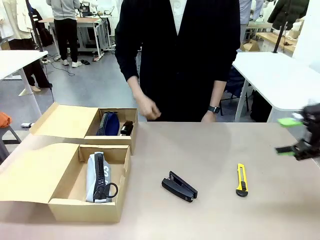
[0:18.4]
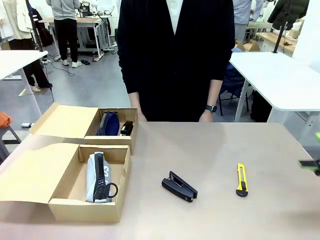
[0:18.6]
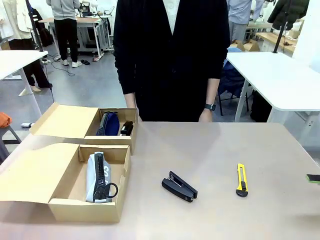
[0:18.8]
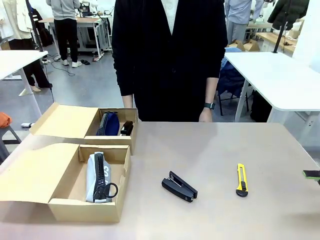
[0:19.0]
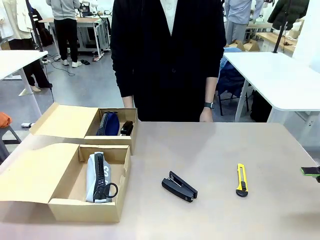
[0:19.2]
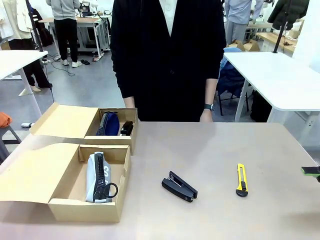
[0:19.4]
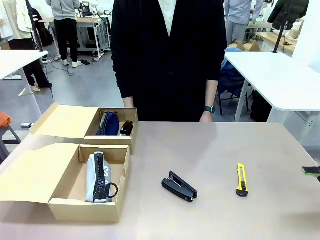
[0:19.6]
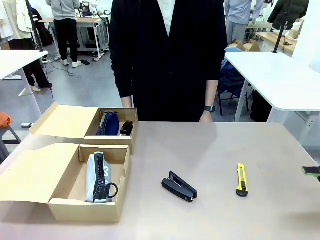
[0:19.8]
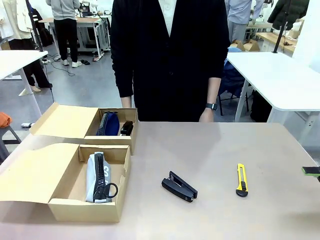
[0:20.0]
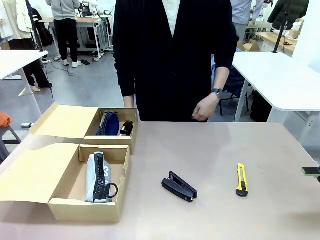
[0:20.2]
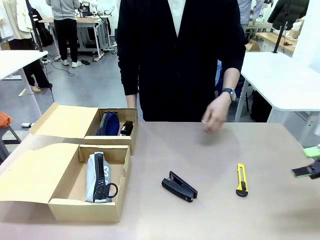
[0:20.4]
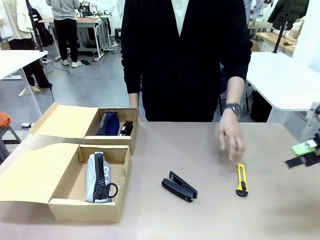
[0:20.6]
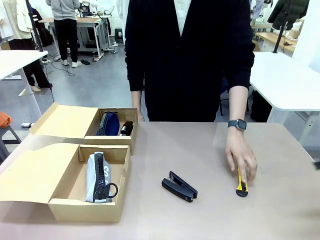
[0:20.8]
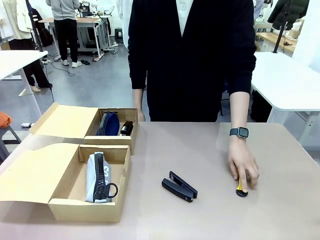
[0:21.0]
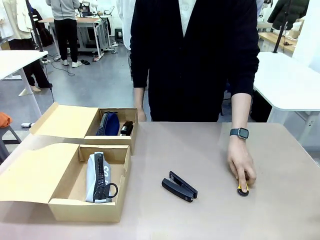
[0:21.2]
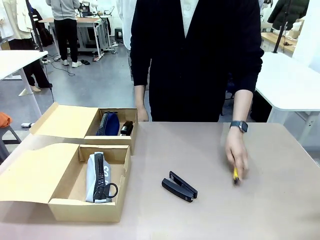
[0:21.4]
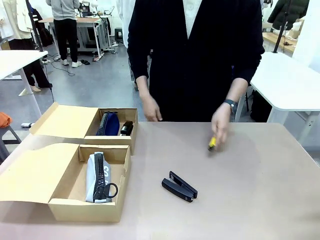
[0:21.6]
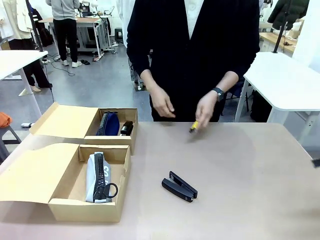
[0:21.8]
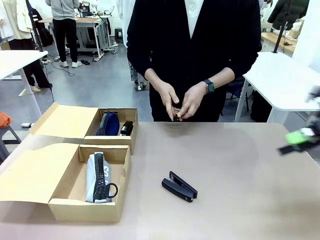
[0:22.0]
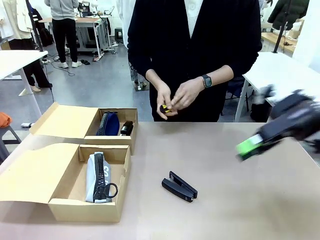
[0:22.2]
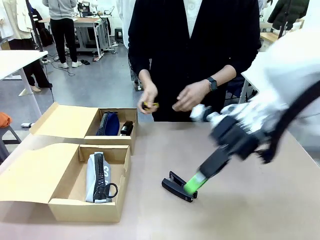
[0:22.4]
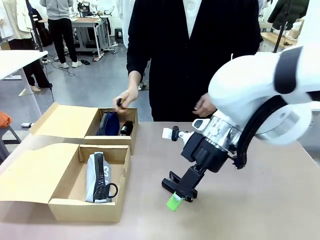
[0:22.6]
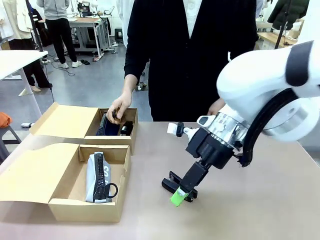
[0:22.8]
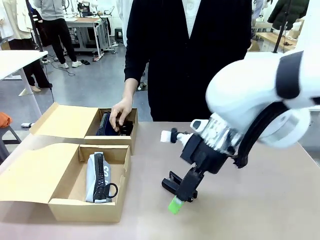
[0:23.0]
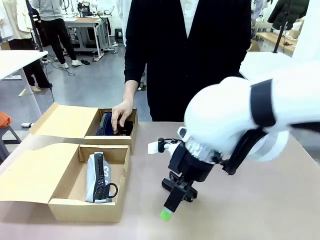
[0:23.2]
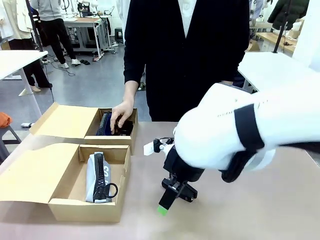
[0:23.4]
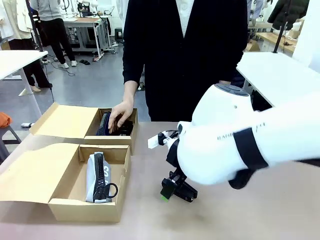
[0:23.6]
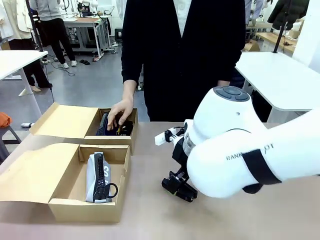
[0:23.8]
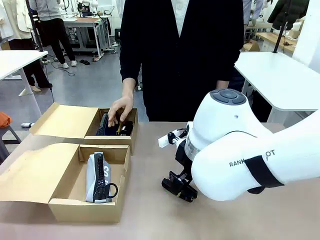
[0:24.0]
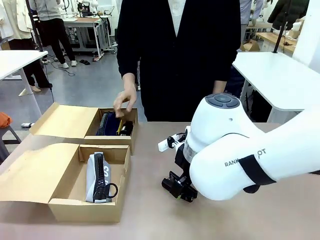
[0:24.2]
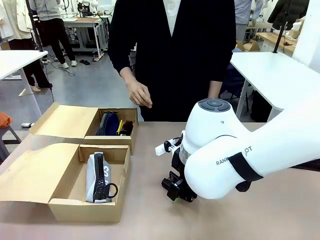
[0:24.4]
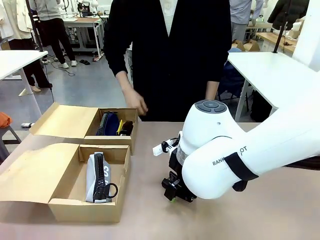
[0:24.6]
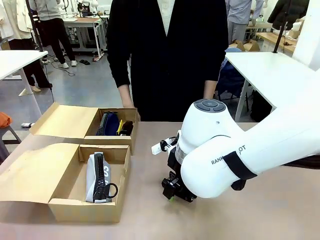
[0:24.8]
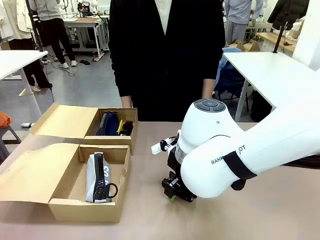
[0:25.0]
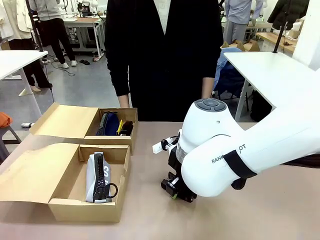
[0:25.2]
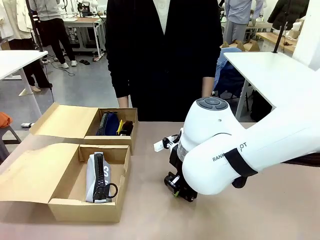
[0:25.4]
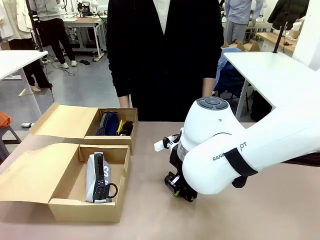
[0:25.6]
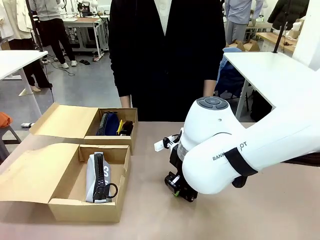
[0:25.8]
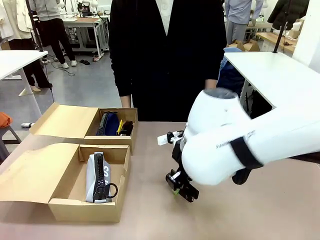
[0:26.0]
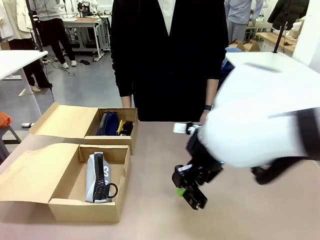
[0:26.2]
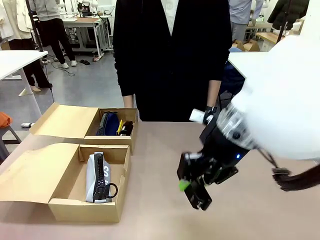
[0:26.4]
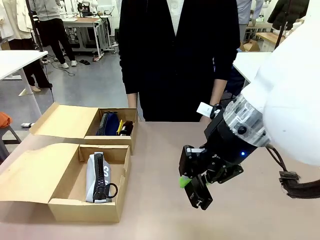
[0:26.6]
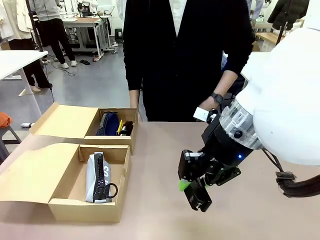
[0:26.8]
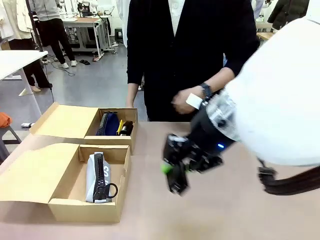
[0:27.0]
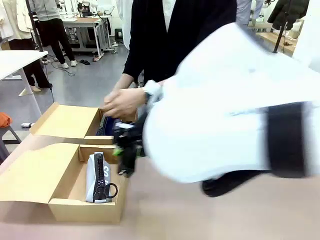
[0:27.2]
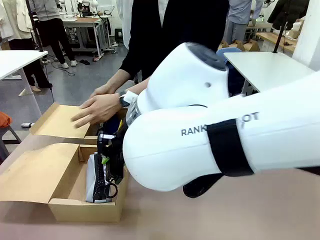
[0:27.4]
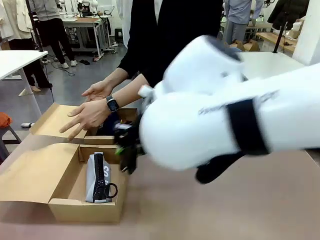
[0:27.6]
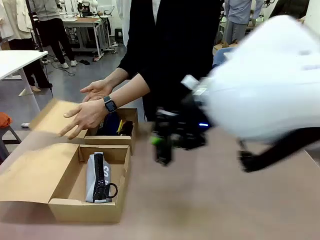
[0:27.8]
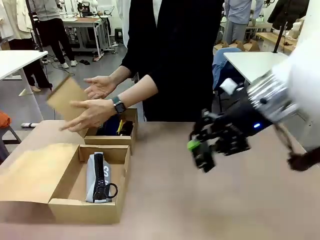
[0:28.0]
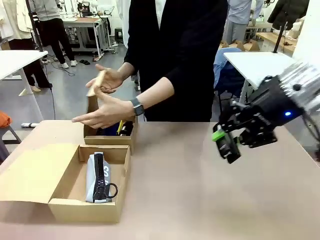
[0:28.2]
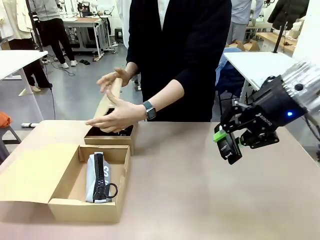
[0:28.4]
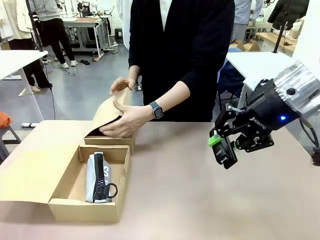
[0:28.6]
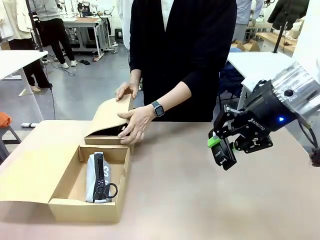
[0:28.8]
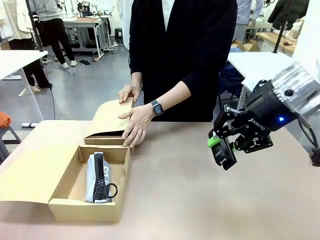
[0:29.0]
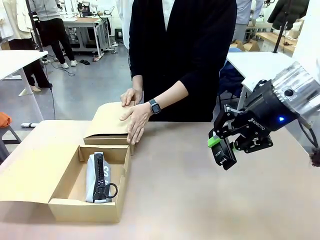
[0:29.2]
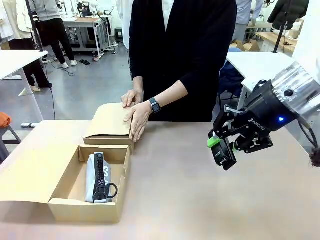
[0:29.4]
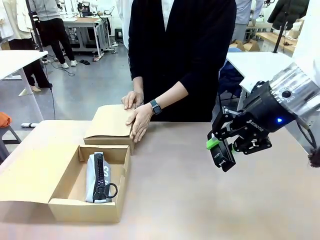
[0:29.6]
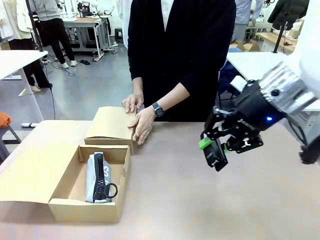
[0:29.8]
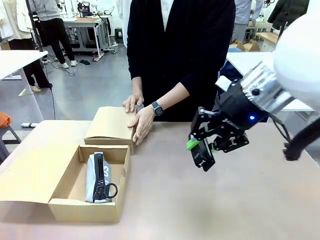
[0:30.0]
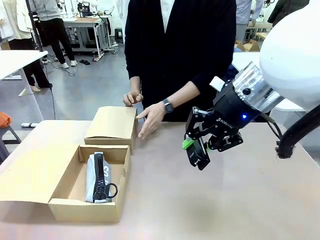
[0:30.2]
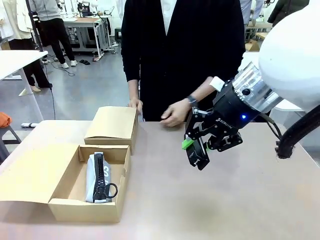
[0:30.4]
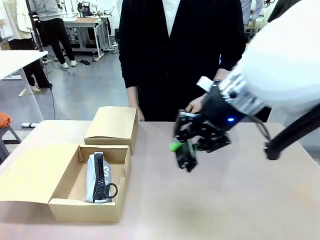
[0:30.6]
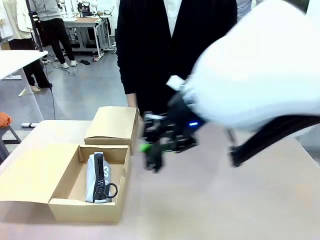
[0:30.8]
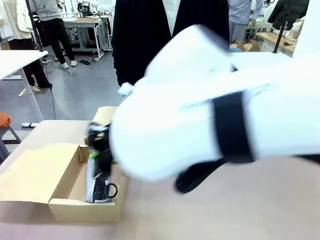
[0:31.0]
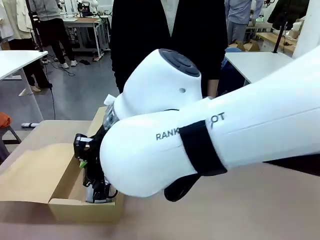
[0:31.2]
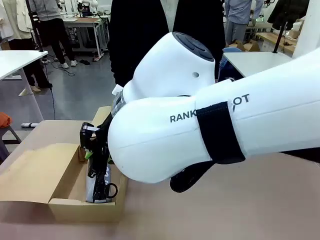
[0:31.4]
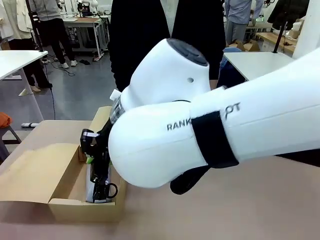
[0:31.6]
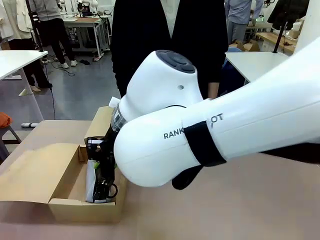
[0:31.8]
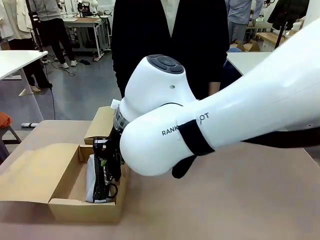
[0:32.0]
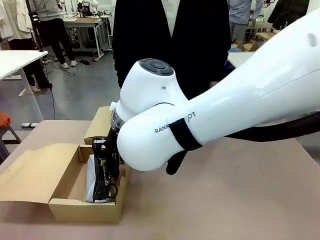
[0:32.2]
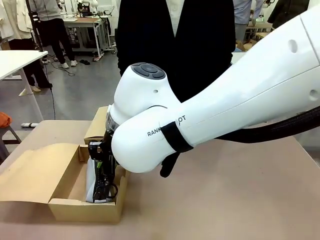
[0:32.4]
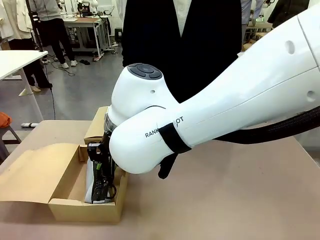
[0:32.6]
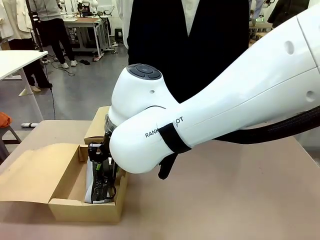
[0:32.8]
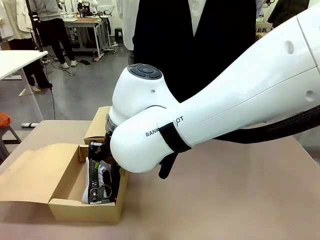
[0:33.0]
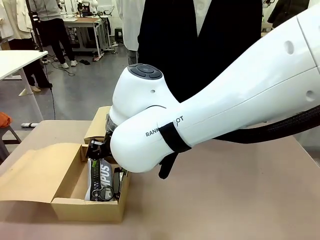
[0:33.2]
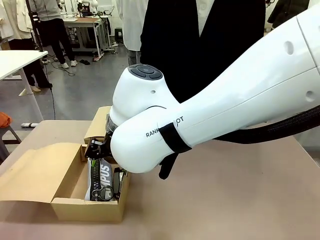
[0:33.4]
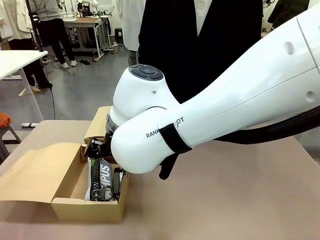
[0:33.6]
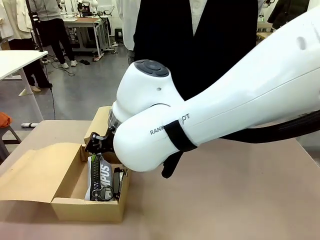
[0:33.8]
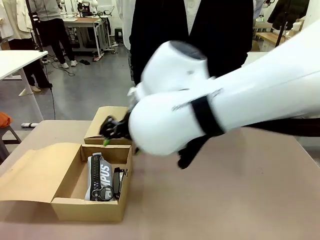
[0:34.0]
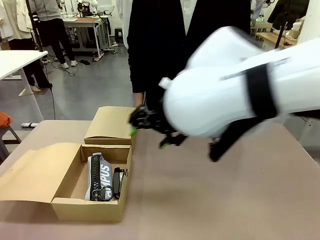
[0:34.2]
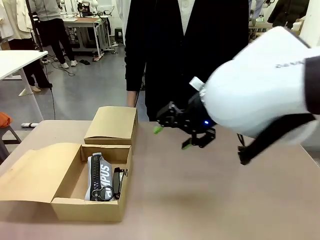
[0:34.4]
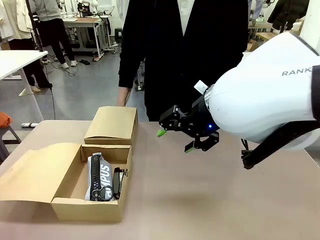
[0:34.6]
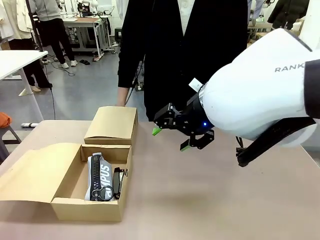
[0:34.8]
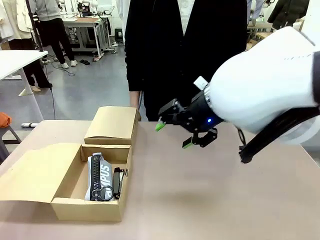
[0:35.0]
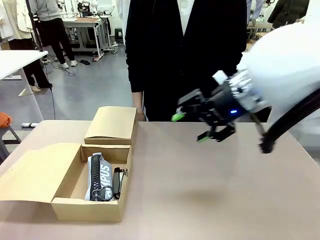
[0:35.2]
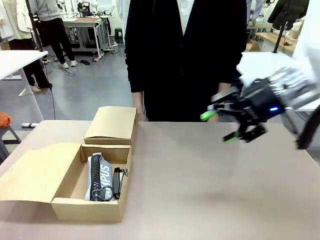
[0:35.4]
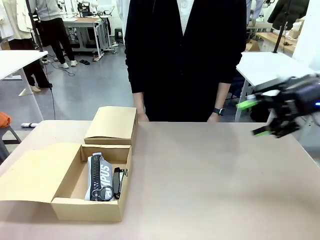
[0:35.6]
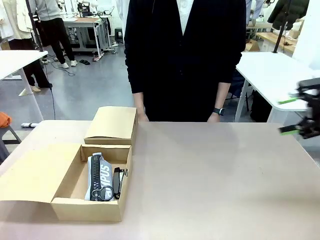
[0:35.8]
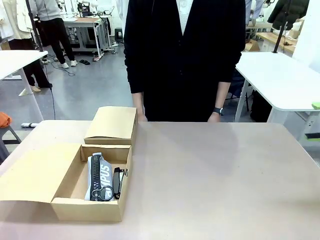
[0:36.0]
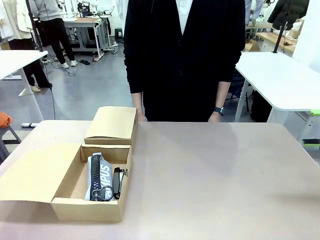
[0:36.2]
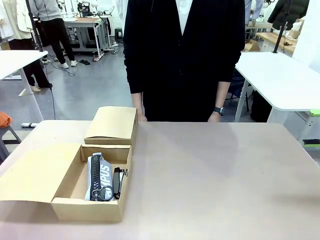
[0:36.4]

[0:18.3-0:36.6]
Task: Place items inside the box.
Robot: Pick up a Pencil pouch or Stapler and place it inside the Mailer Box closest to the robot.
Person: Close the lid of the box facing the person.
